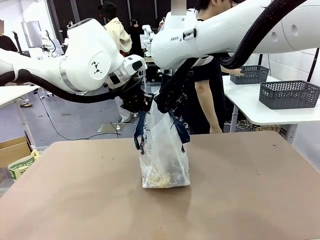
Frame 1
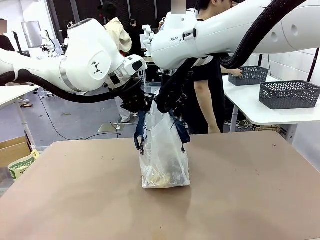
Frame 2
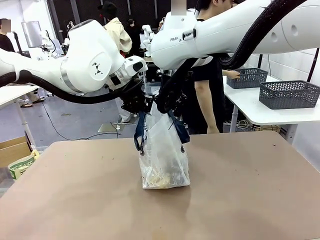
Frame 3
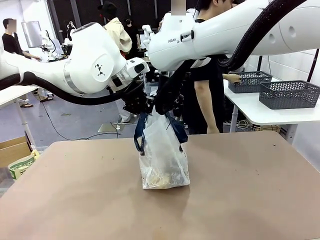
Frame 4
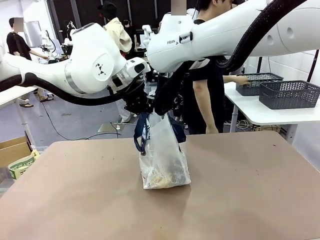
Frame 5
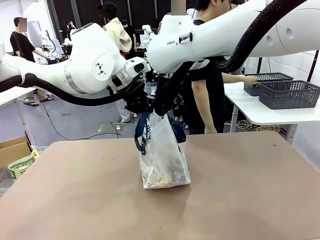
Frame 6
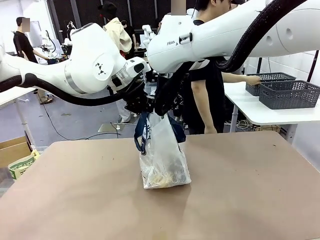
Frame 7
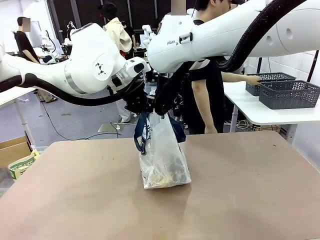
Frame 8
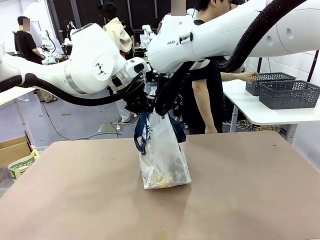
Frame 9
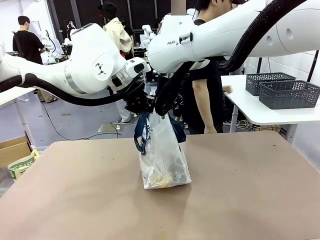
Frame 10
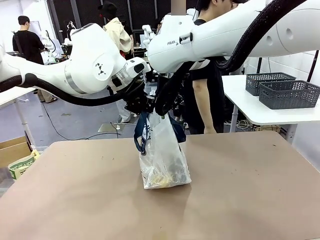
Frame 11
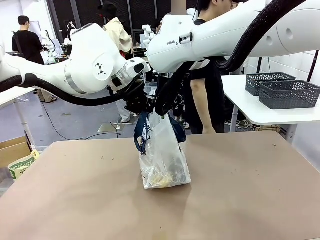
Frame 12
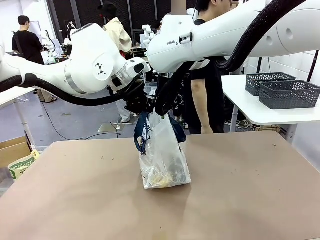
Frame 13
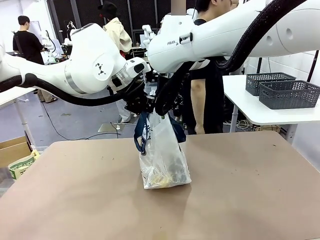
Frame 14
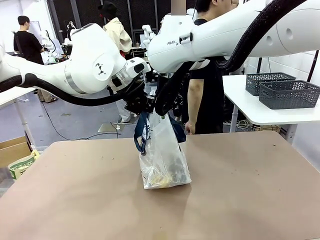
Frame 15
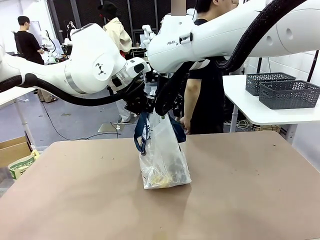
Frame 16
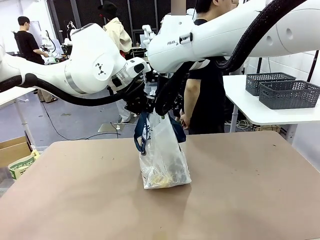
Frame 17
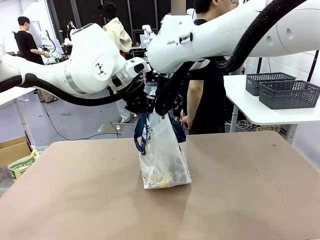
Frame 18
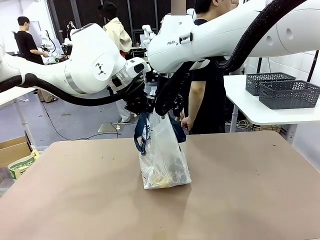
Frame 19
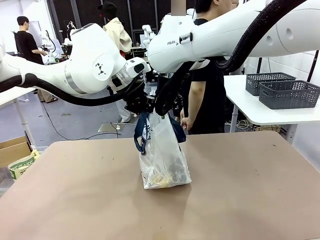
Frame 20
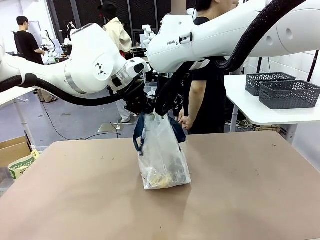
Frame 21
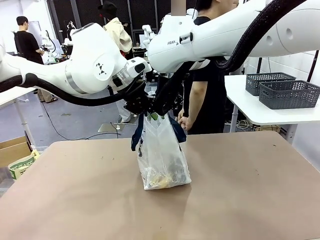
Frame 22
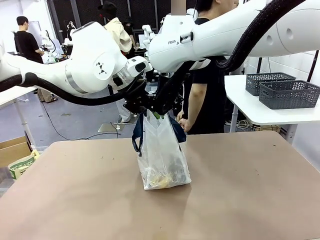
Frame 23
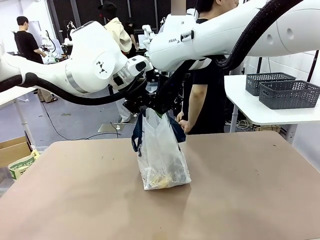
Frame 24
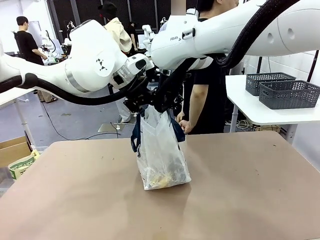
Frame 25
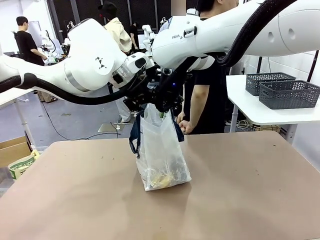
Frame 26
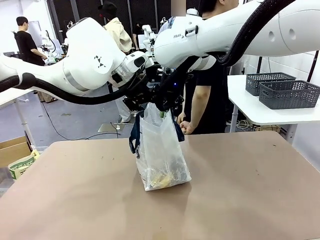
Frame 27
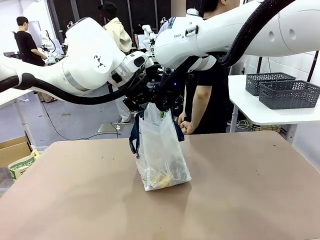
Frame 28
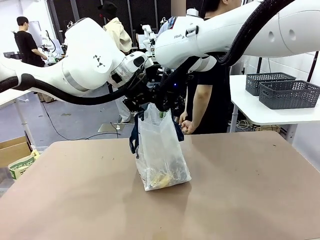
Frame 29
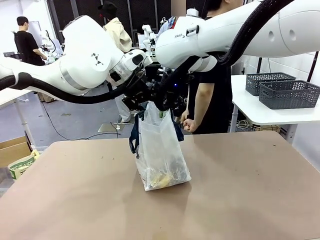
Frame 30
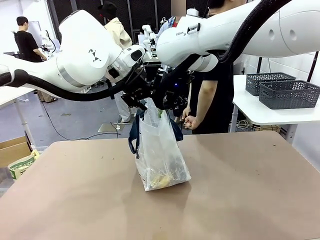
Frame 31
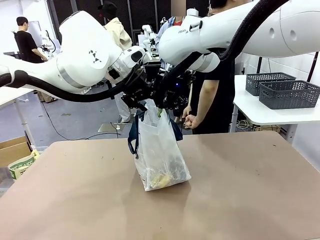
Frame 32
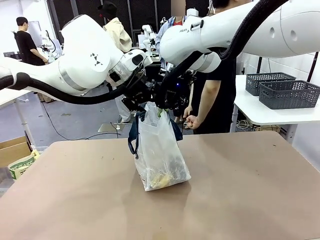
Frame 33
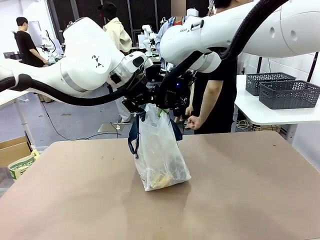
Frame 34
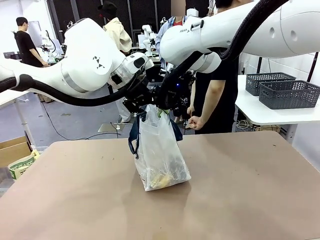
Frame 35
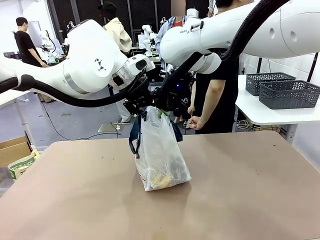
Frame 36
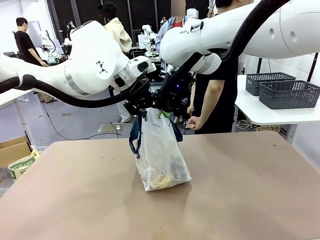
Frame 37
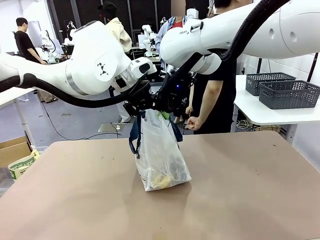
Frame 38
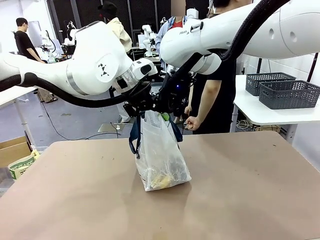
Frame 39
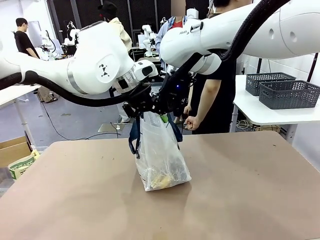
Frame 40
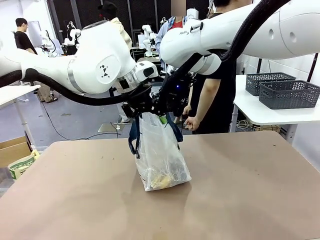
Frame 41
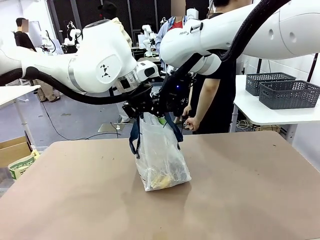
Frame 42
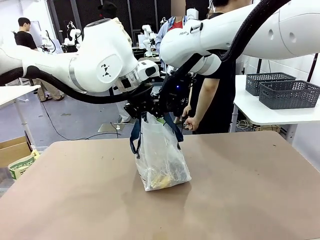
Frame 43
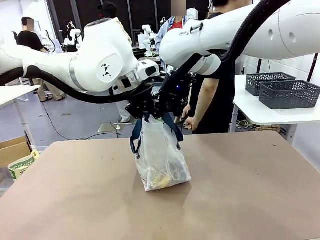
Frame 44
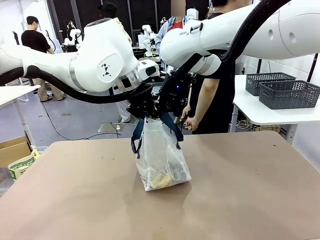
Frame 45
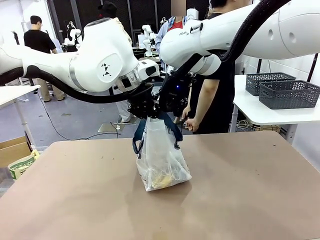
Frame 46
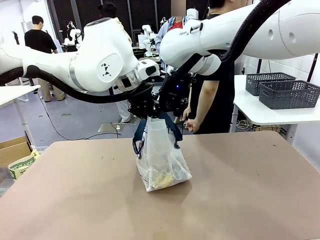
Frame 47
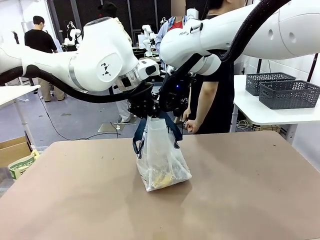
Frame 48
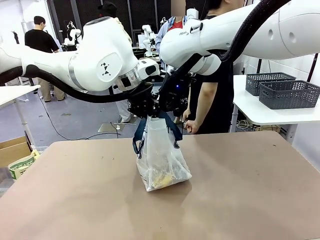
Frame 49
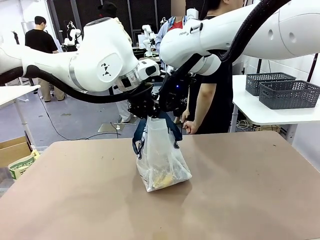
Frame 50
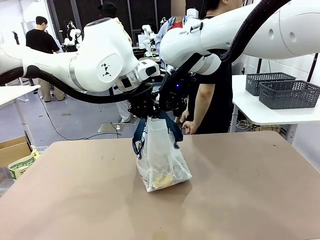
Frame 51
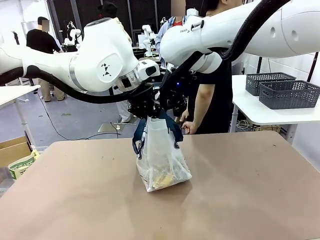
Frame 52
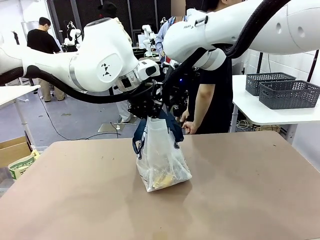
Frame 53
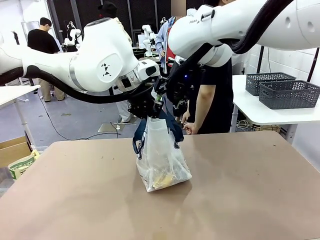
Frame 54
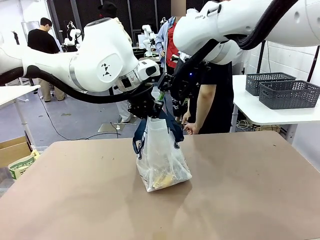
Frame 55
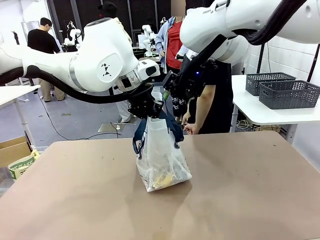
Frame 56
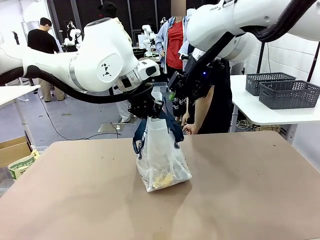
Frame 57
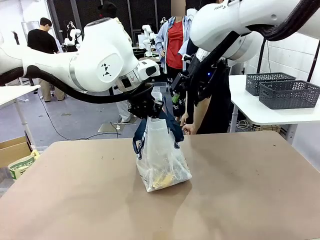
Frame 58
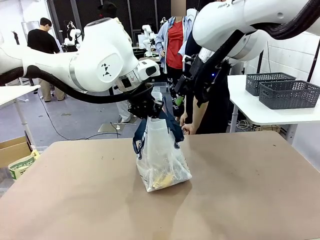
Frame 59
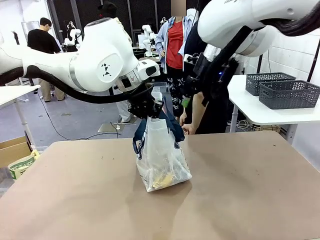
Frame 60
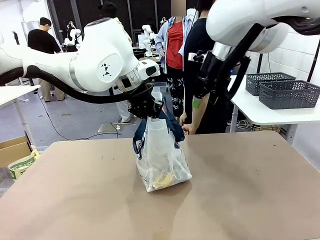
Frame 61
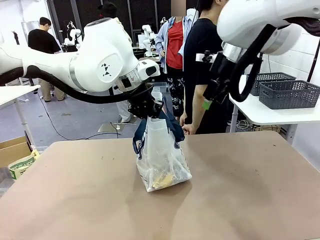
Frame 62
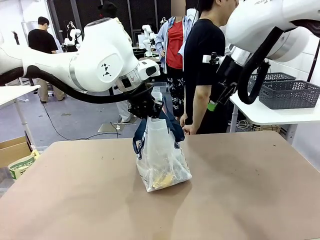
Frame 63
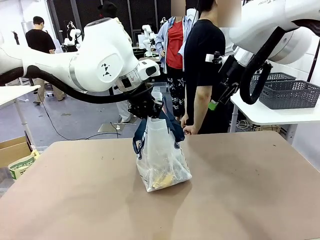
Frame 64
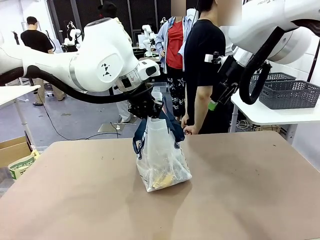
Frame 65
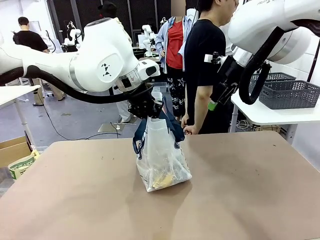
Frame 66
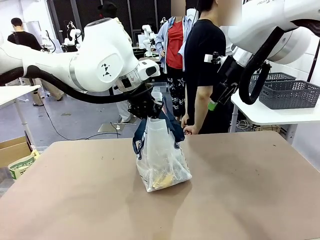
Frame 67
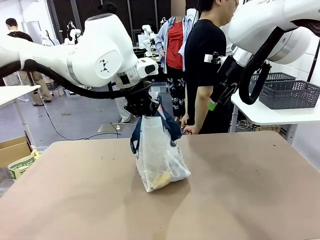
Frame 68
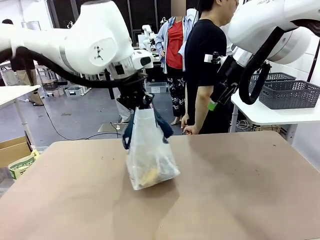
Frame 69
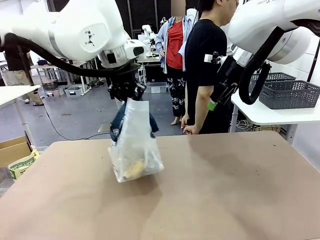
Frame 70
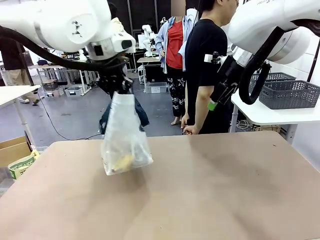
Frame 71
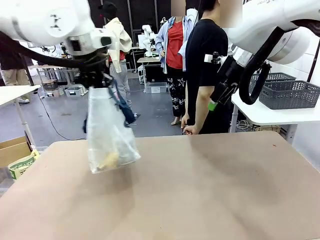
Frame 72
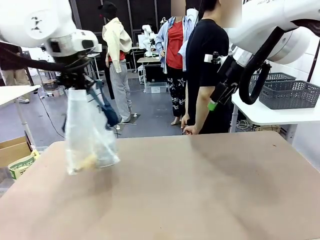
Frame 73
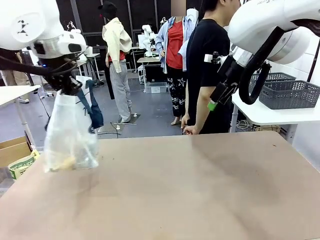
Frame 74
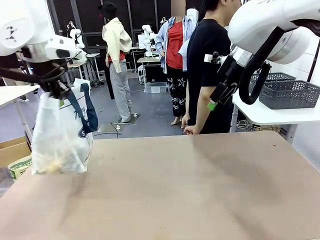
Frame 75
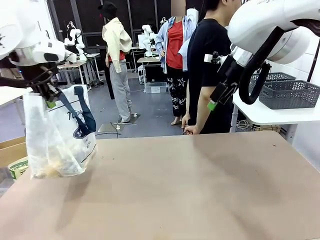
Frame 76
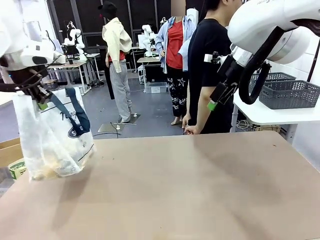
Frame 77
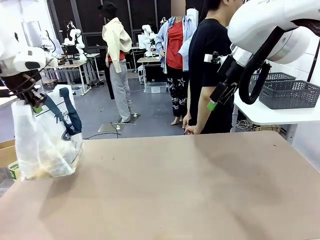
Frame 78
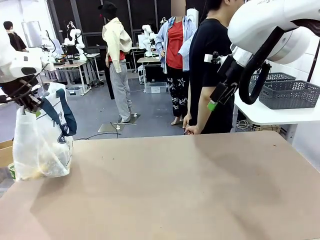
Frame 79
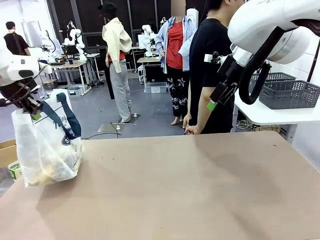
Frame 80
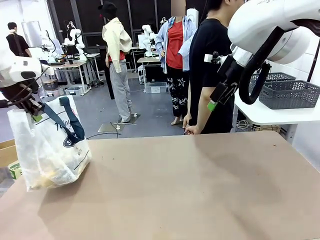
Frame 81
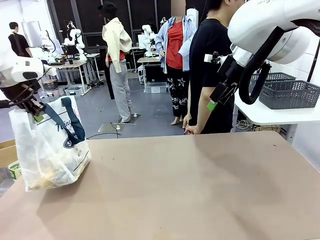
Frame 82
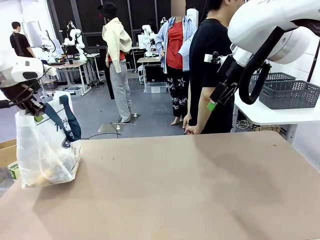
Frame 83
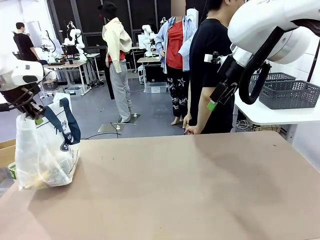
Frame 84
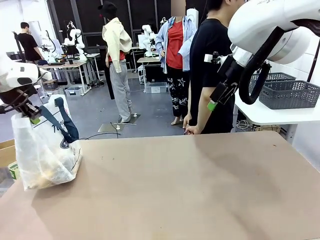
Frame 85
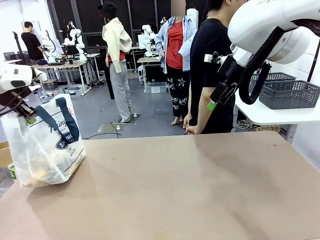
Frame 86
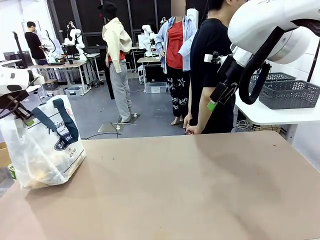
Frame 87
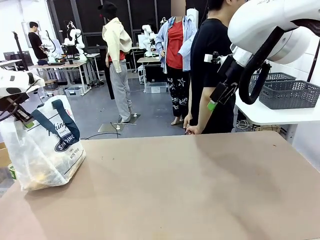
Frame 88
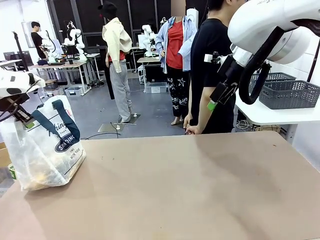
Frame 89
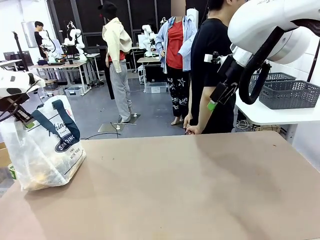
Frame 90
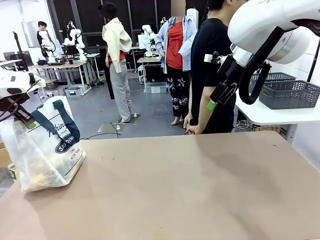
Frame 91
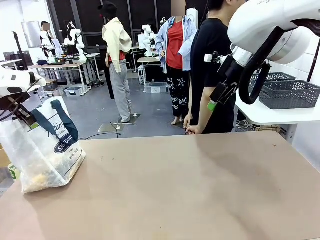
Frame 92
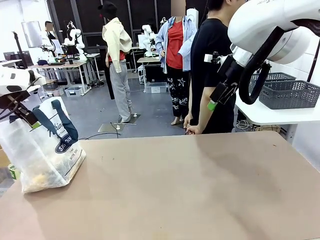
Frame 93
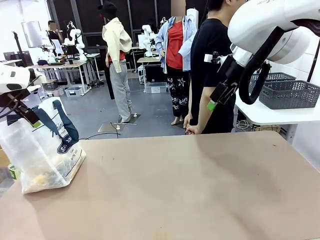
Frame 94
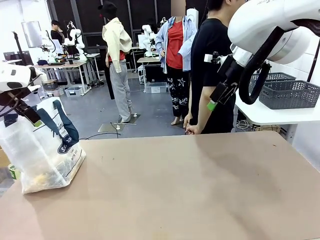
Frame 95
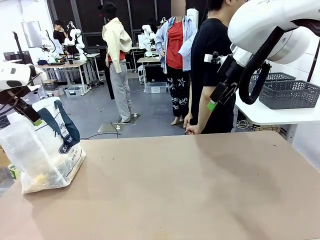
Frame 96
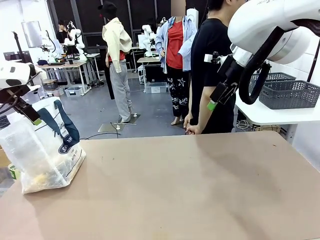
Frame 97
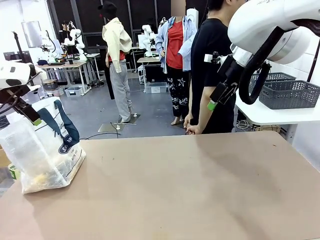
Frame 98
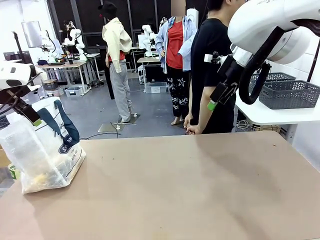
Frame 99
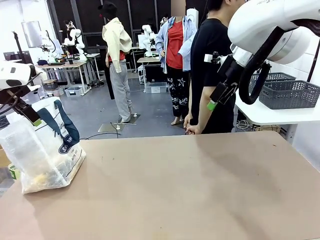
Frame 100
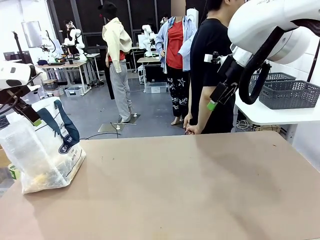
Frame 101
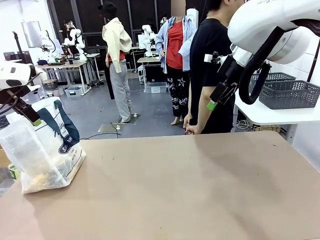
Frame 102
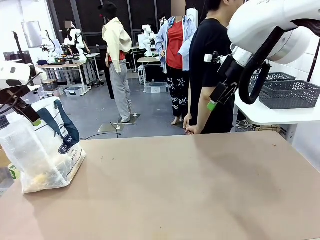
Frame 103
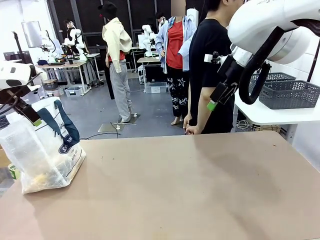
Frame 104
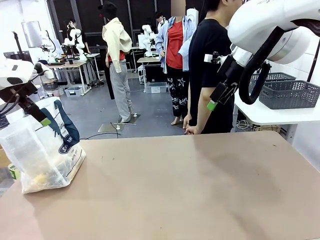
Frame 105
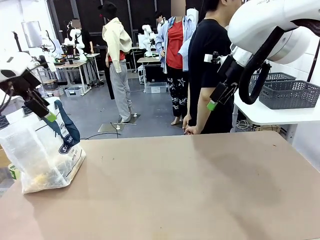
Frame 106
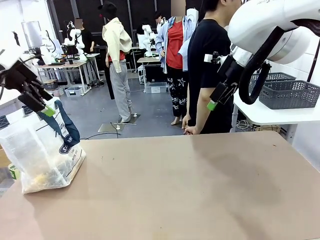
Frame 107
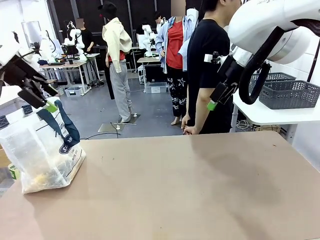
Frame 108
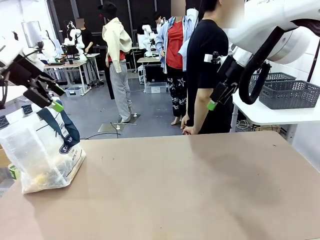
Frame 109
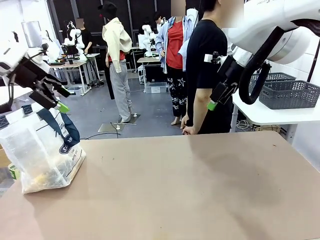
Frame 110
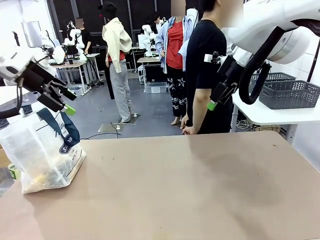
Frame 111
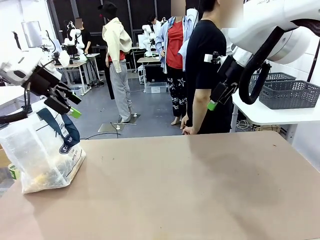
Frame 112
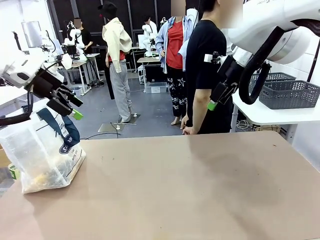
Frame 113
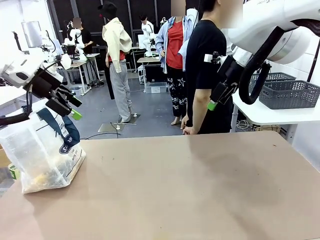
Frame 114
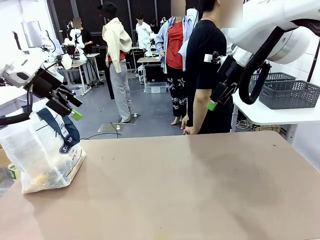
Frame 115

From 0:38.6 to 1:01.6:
Task: Transfer purchased items from the store into the shopping bag.
Robot: Move the Reusable shopping bag to the right side of the table.
Person: Move the basket on the left to the middle of the person's table.
